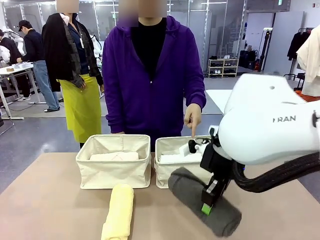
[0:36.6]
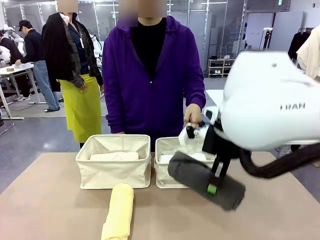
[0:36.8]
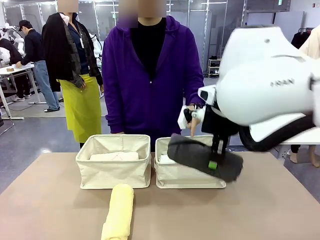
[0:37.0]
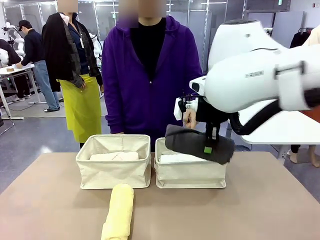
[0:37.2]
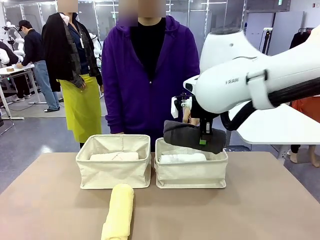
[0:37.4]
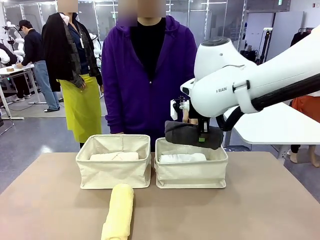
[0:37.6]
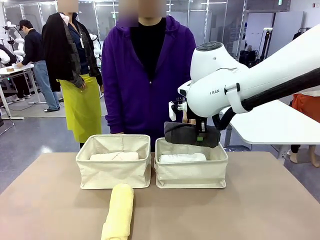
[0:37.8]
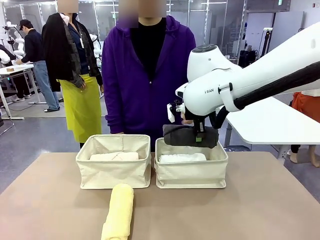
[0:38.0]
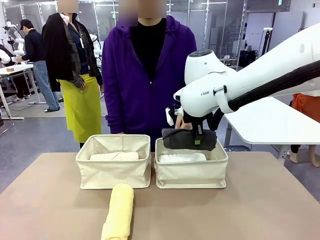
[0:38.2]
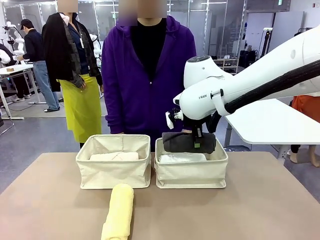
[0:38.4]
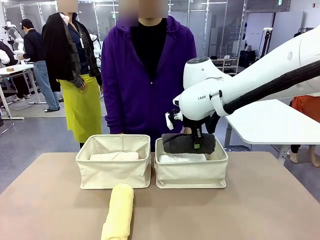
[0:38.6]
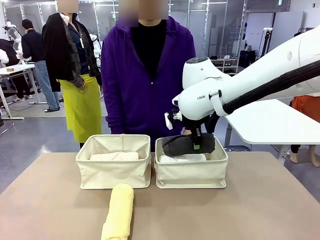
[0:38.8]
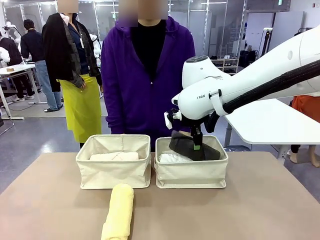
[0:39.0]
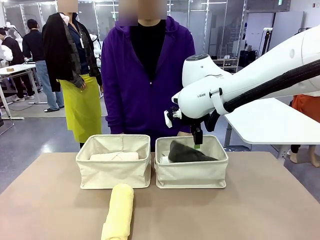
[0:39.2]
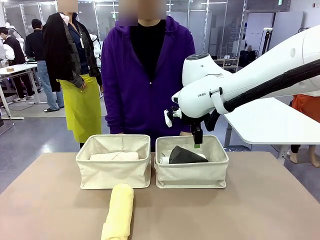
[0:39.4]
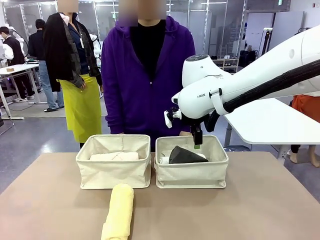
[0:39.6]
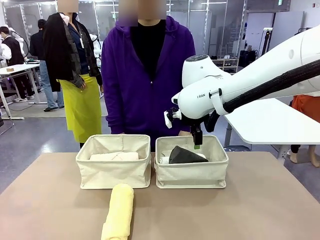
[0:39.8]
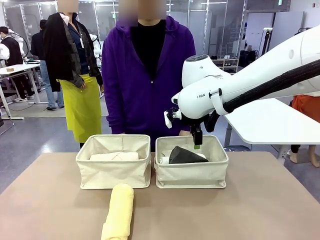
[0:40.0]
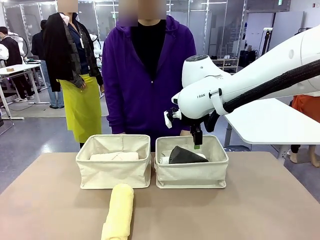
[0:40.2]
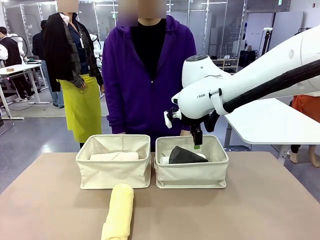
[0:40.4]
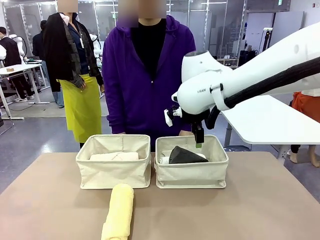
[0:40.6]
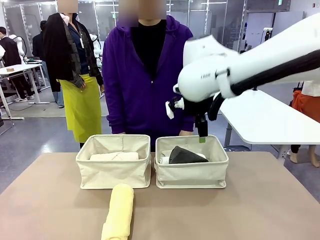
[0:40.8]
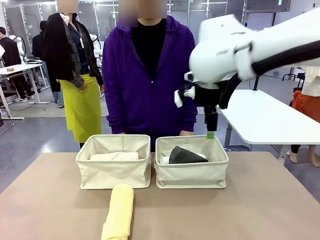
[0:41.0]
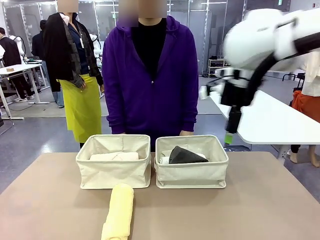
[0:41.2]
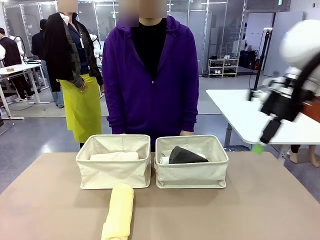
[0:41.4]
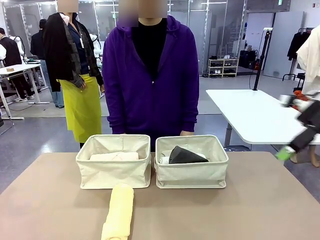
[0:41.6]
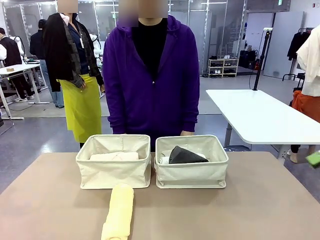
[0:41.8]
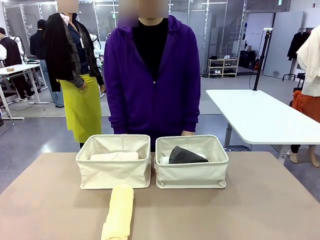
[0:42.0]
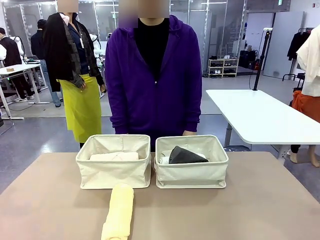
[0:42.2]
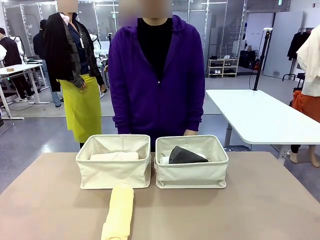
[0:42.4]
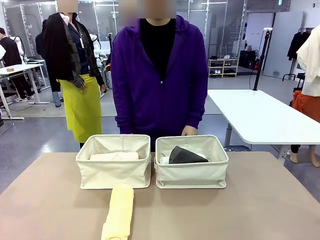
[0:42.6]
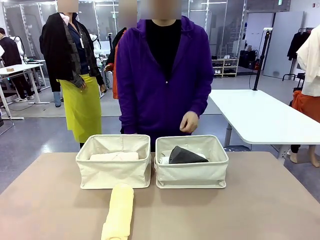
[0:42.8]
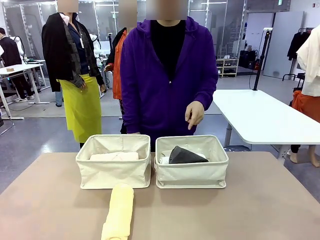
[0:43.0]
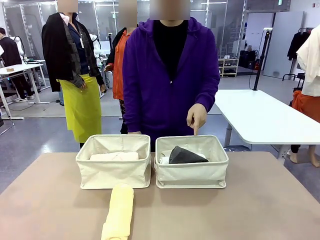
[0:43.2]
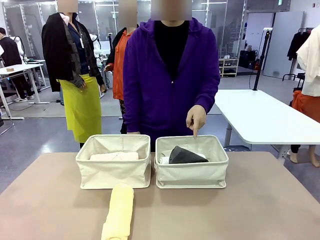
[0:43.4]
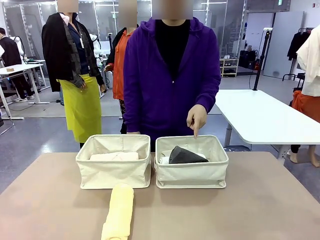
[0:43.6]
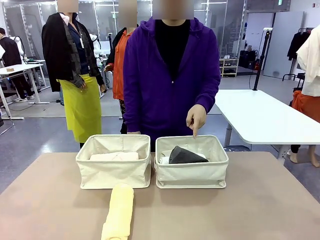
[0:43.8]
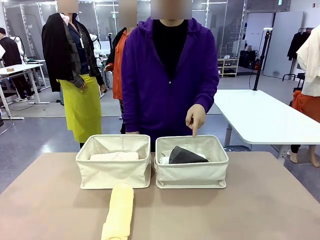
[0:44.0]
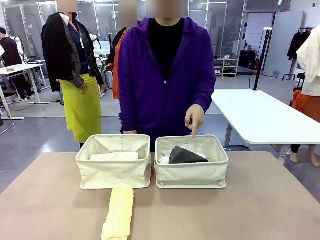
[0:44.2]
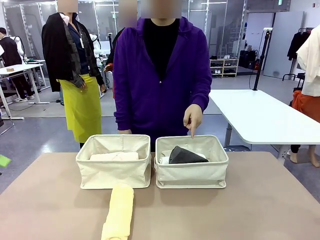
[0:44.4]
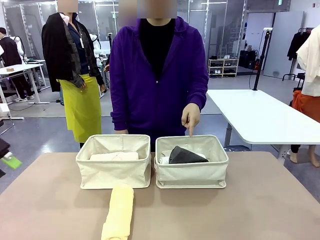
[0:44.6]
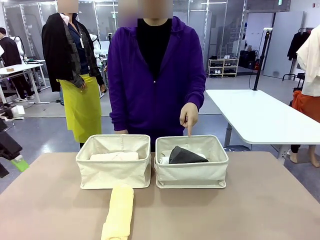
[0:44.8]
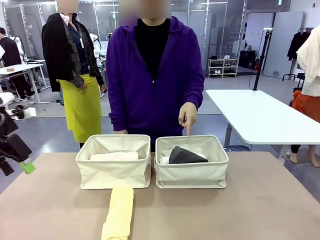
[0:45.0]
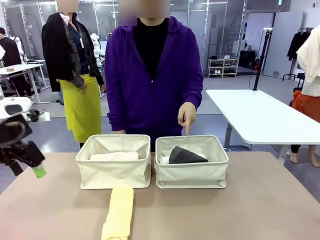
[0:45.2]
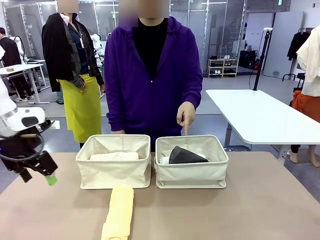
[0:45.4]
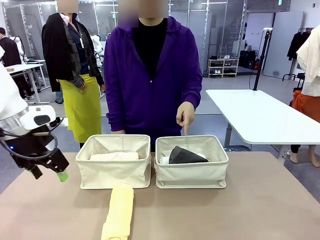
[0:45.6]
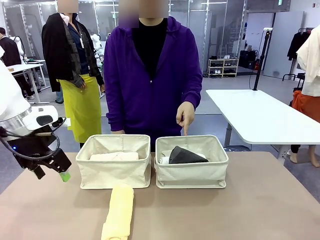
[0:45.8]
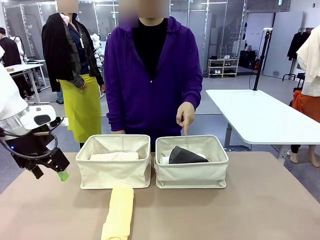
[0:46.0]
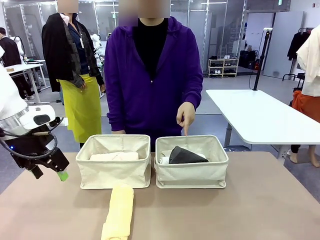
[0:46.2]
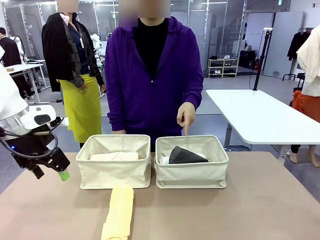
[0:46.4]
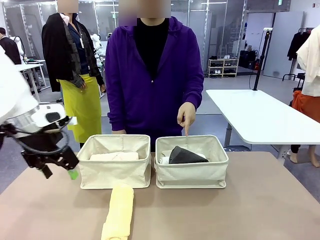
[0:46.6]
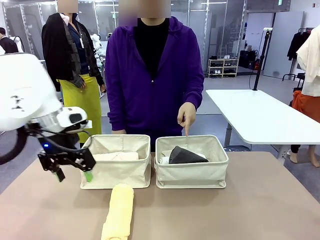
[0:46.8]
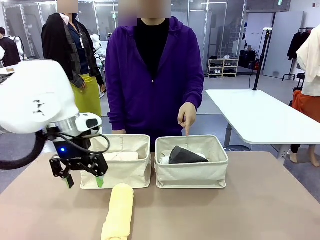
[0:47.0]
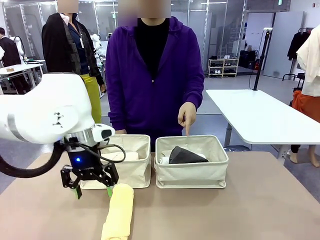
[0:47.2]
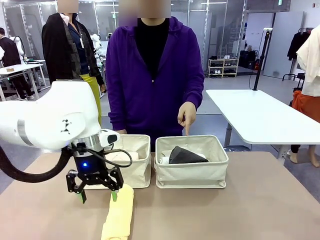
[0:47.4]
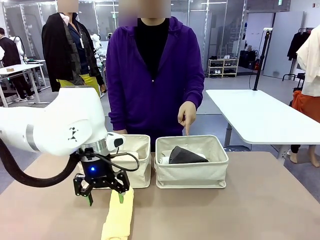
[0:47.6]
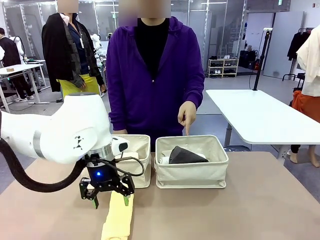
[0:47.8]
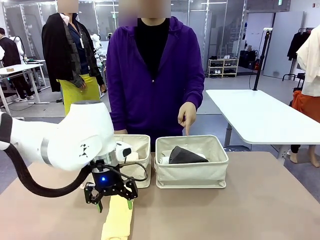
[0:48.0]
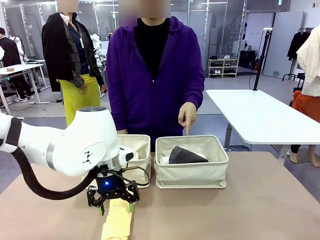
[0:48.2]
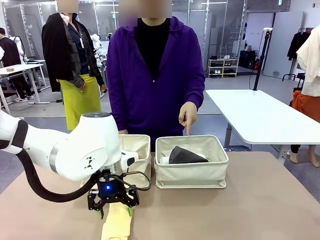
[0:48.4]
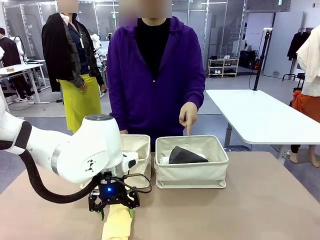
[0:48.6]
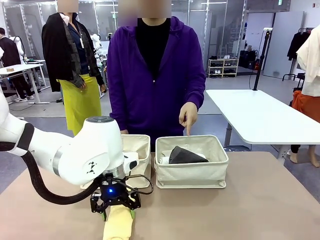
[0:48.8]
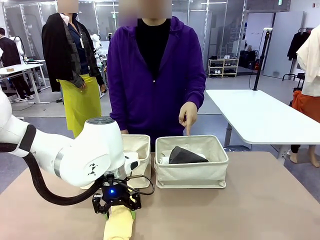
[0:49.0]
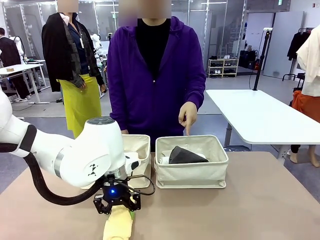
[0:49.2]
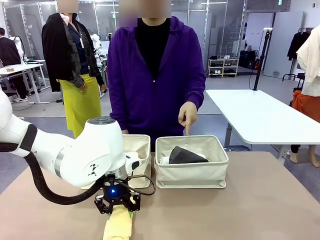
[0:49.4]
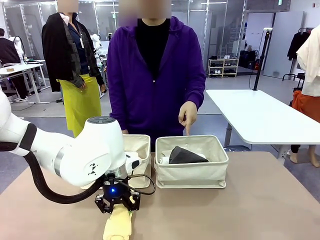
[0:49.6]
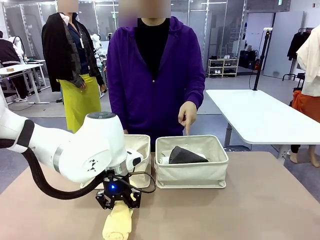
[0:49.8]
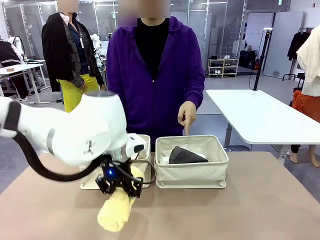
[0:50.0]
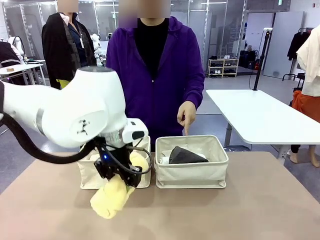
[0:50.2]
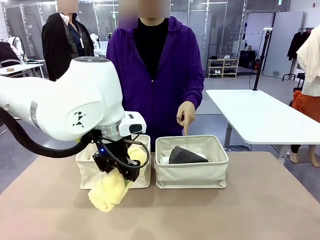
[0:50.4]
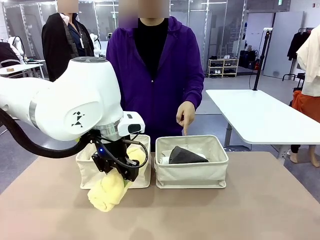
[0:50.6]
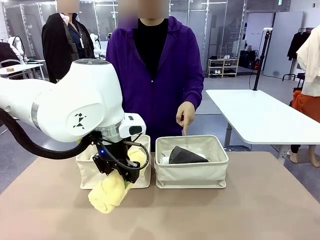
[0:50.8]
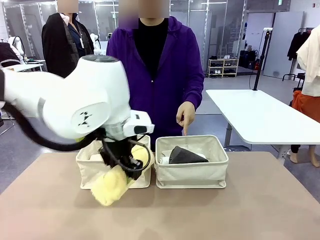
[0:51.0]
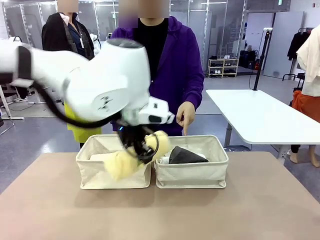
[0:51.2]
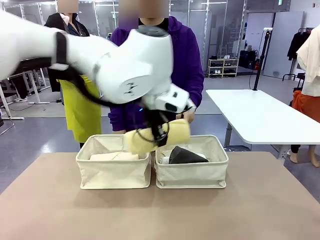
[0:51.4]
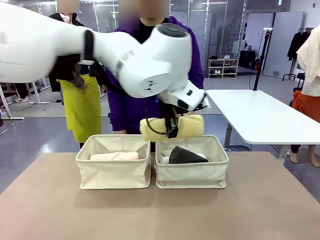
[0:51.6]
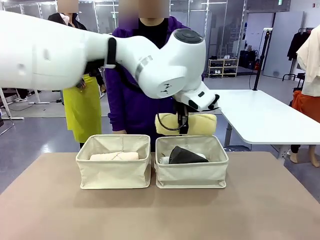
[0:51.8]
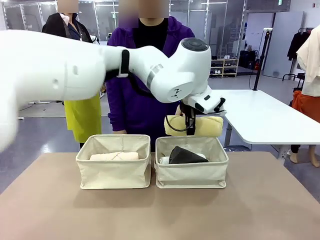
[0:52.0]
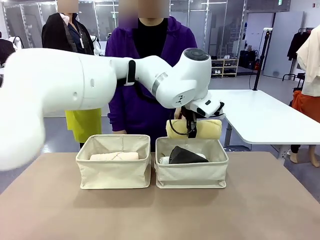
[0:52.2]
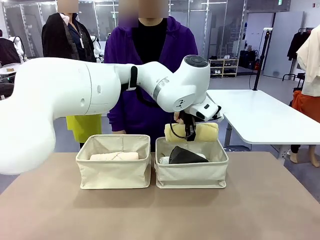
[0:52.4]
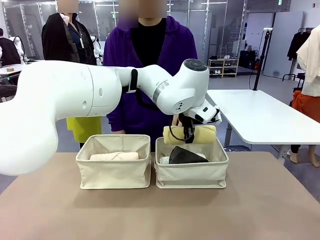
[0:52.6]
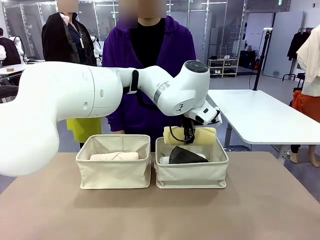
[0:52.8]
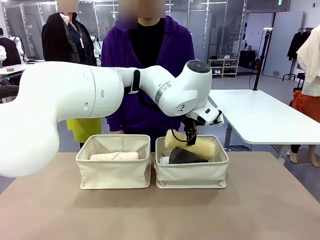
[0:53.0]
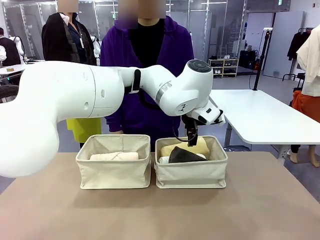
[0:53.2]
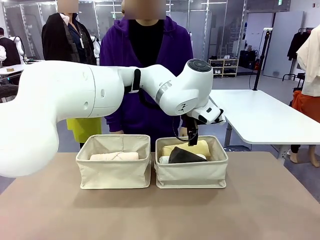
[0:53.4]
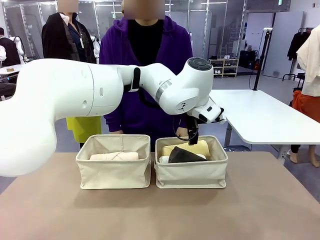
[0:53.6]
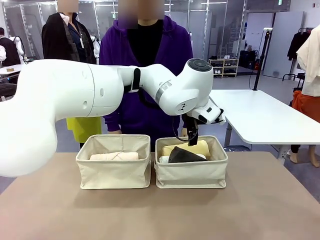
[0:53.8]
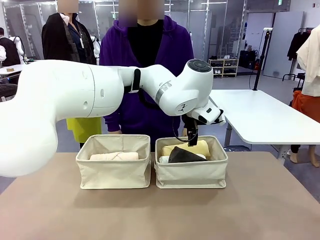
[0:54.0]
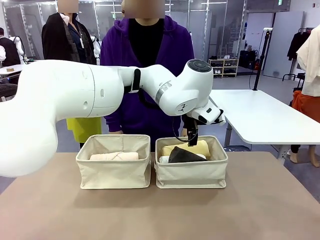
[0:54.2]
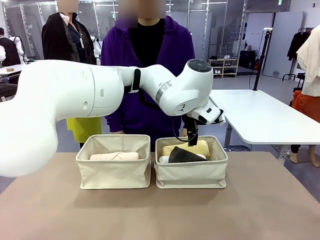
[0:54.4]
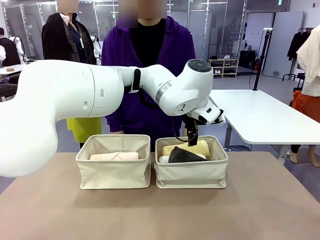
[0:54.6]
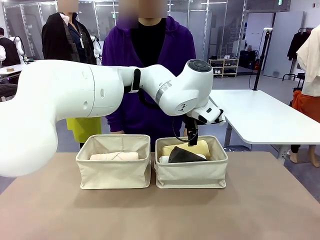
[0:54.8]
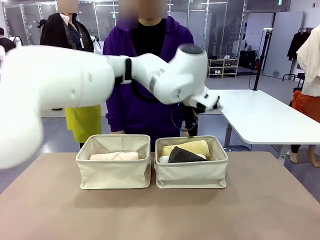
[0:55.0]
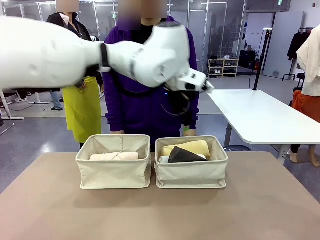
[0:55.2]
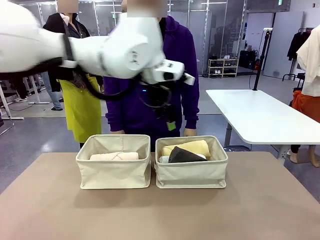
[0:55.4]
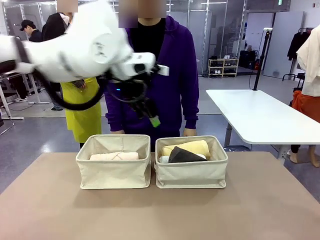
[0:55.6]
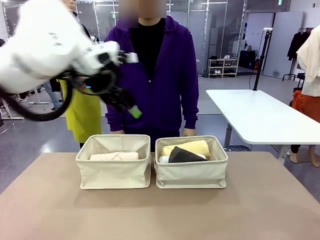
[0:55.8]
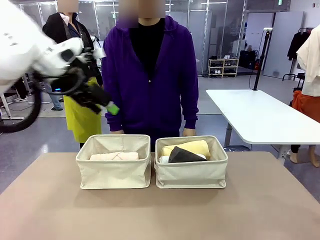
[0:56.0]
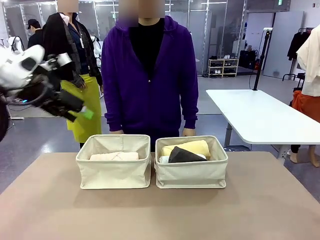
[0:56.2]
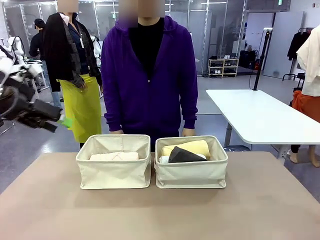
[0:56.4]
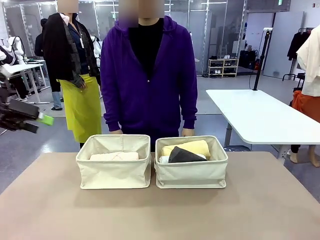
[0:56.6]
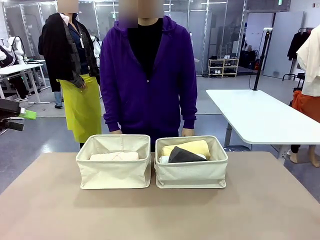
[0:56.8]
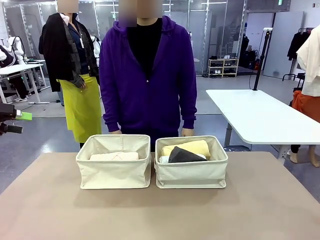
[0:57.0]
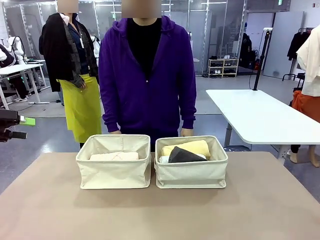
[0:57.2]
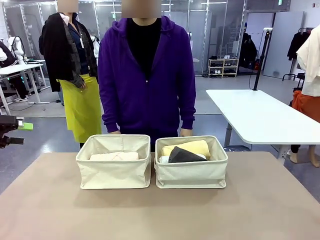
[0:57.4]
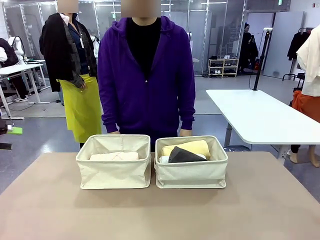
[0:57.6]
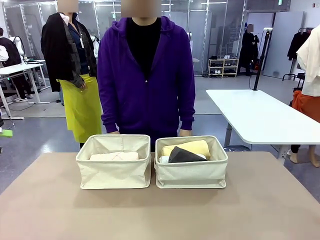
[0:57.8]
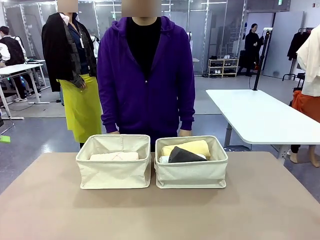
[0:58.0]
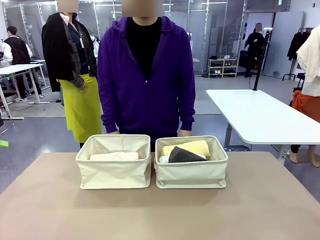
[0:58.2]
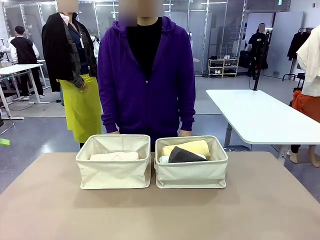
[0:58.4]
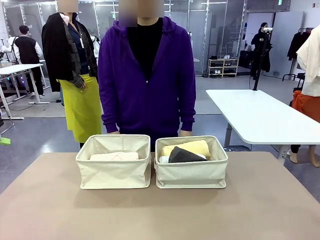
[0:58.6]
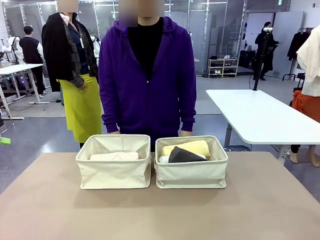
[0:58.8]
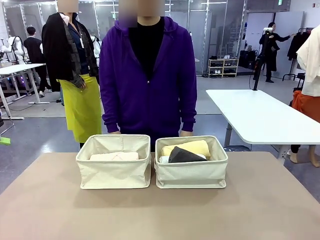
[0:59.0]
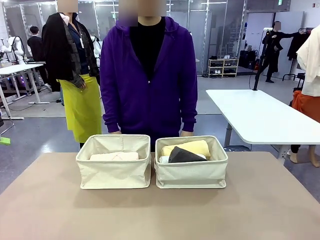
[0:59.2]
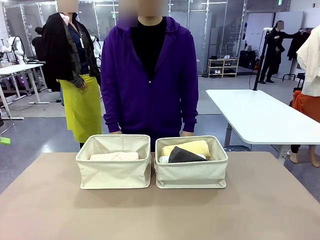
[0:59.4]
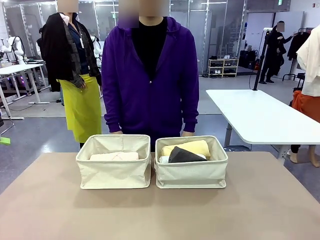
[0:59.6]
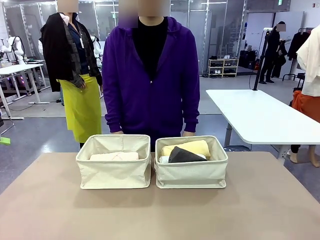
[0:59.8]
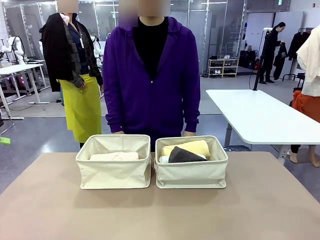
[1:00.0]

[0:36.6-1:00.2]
Task: Divide the towels into two baskets.
Robot: Pick up one hotel-folded towel from the bottom of the table and place it in the Fabric basket indicated by the person.
